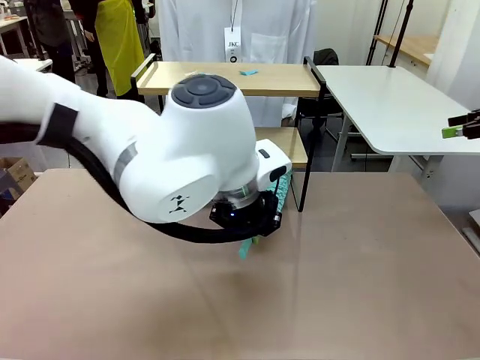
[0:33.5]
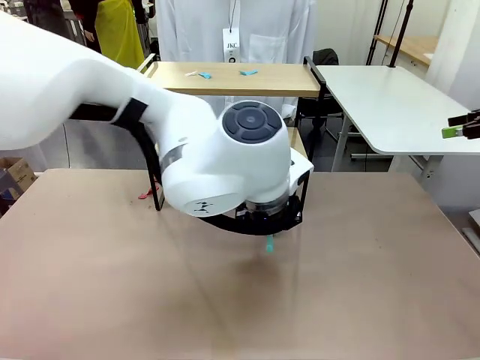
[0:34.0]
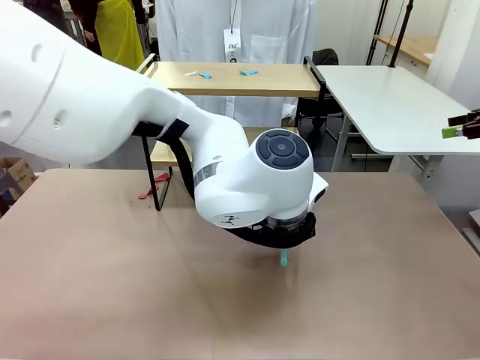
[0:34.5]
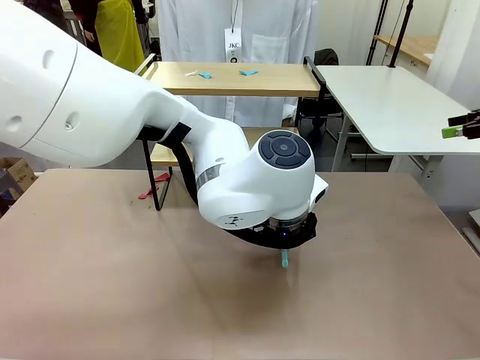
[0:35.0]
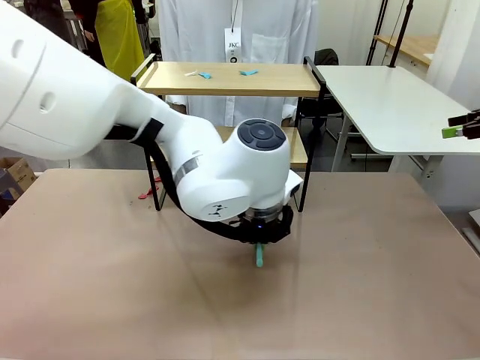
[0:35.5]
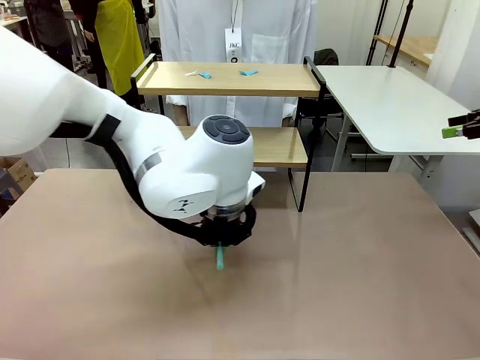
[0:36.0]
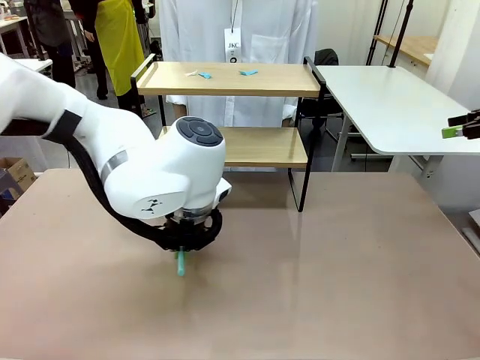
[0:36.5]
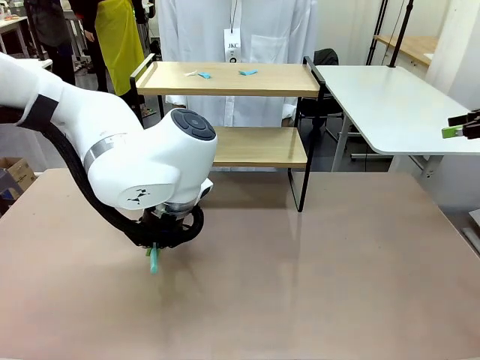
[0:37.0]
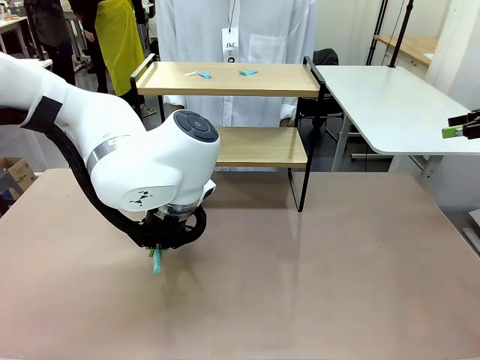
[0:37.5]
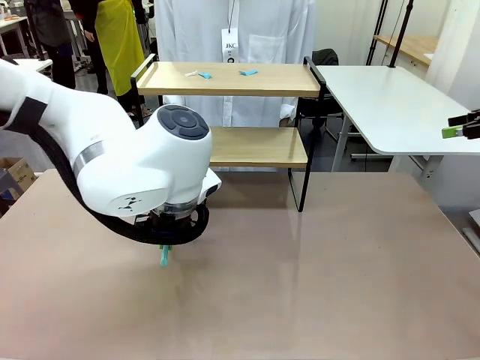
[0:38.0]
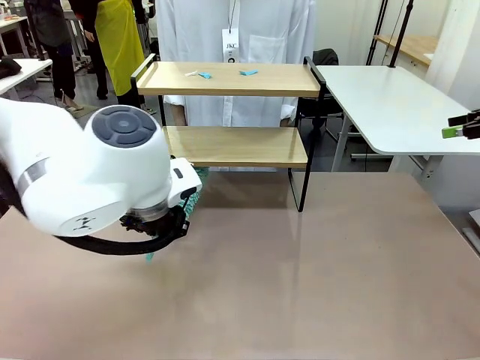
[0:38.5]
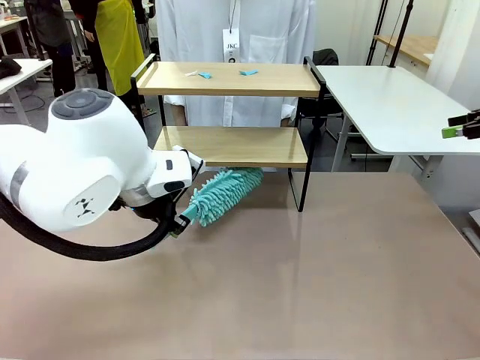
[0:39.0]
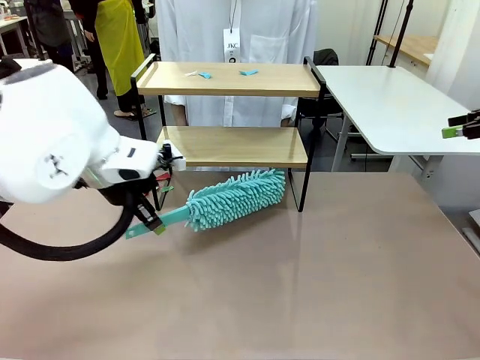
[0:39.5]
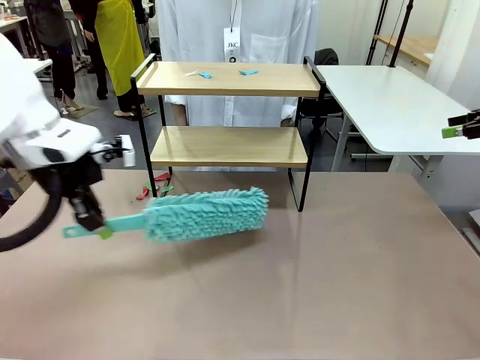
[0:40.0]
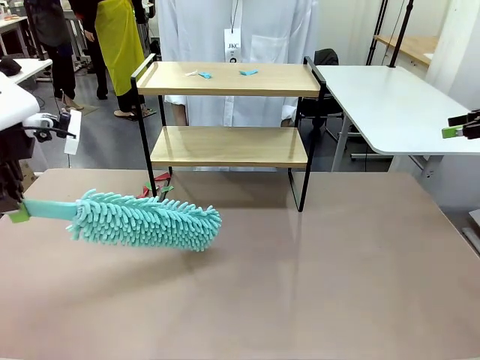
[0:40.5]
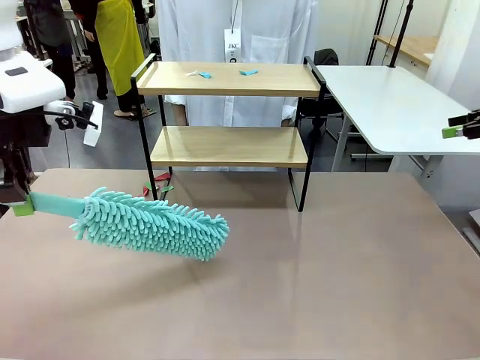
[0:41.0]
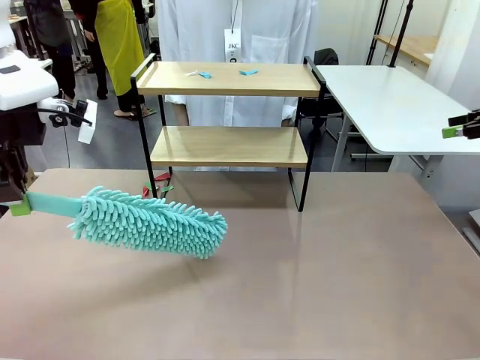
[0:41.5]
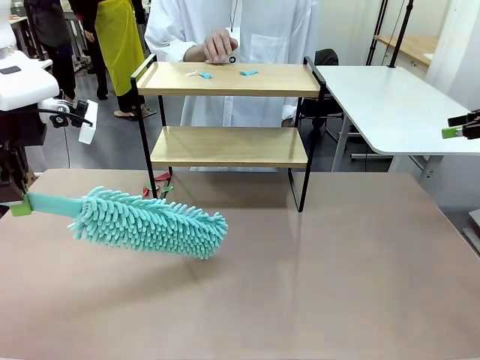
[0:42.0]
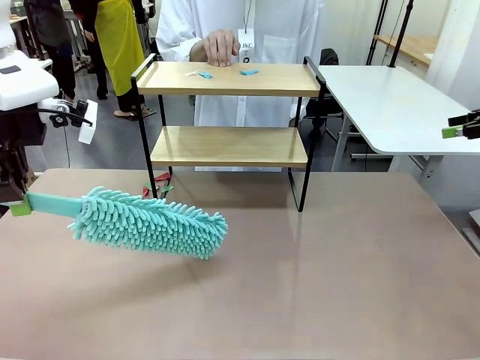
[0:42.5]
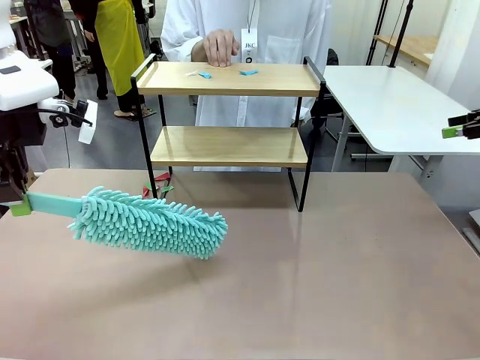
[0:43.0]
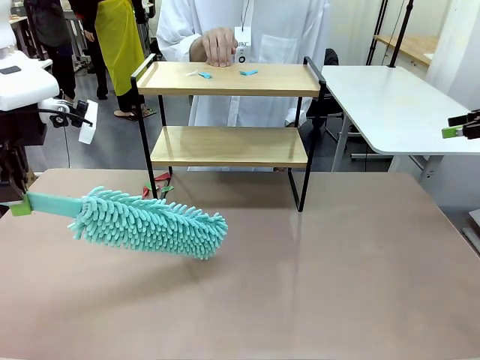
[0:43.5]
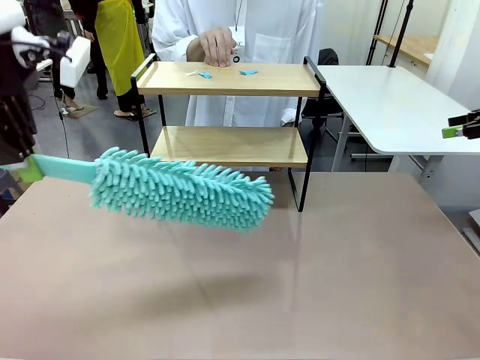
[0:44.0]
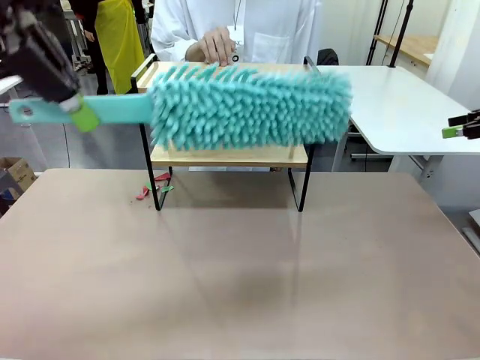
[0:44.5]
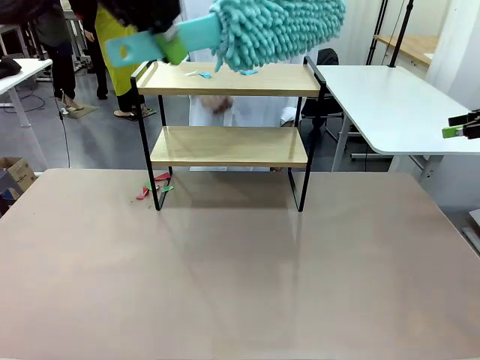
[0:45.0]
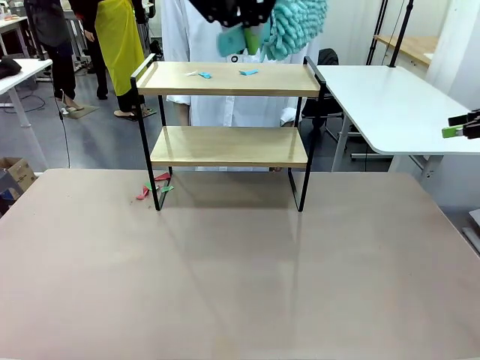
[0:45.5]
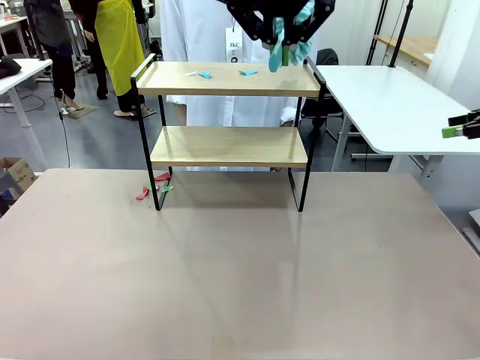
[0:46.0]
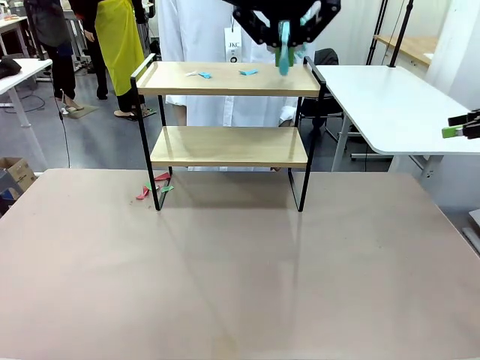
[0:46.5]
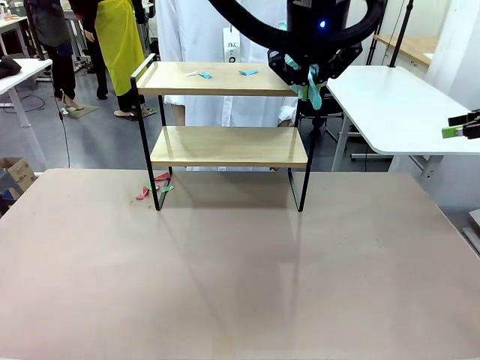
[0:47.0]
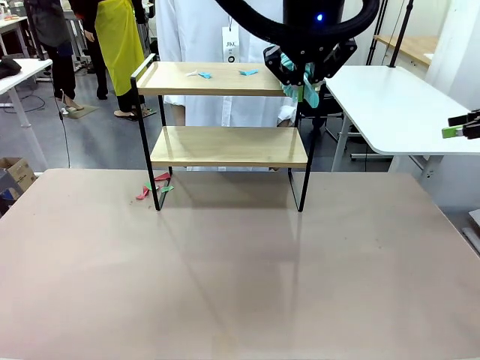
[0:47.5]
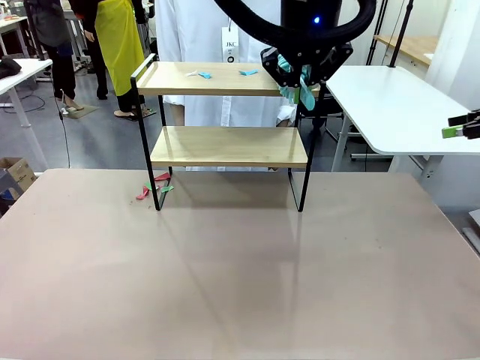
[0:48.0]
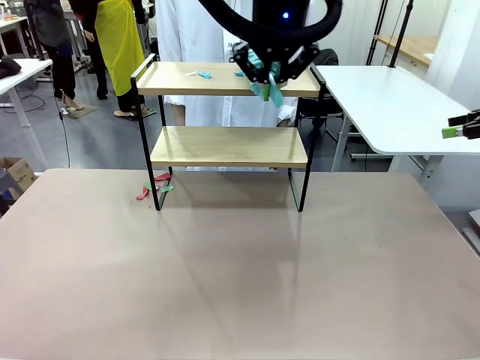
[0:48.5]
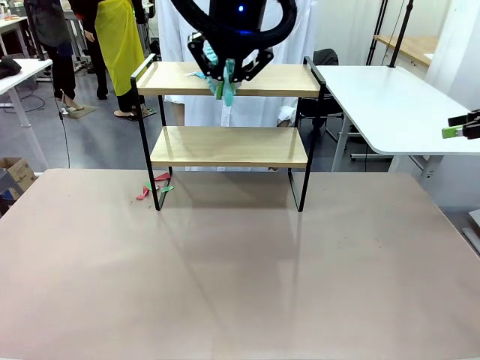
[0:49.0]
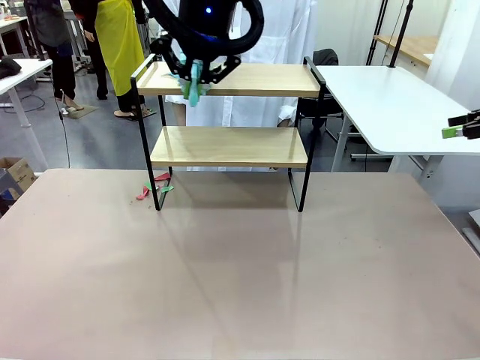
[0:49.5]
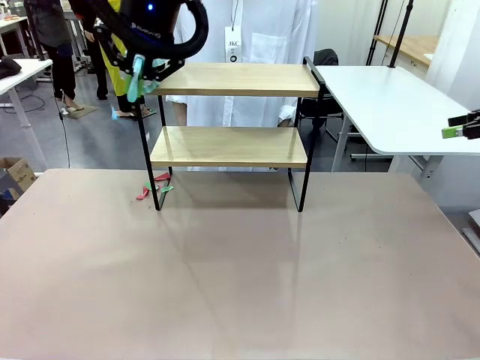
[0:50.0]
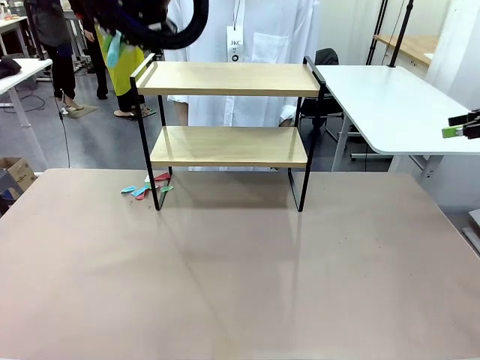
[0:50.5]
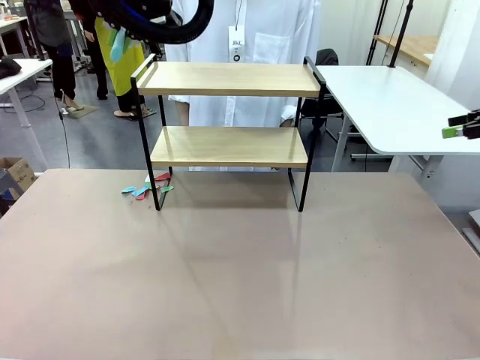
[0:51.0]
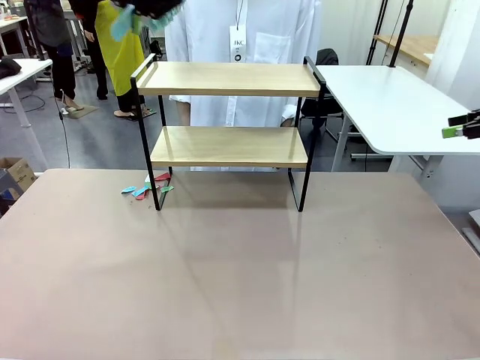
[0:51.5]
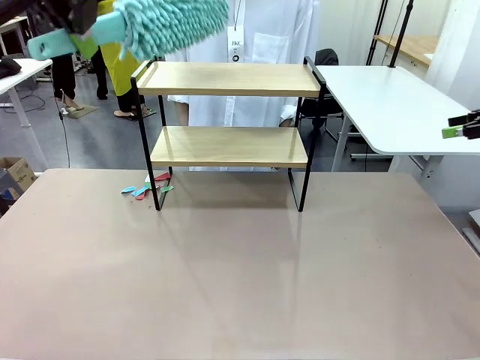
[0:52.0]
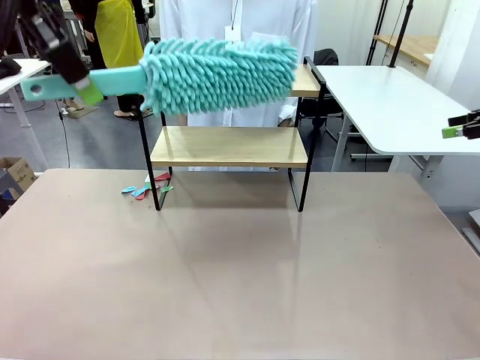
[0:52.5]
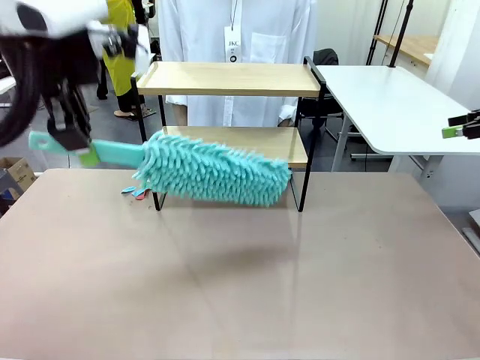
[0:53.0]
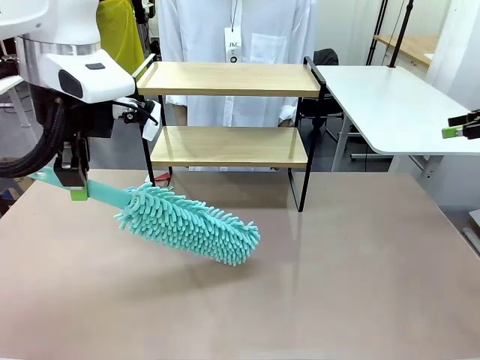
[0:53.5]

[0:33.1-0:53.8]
Task: Clean the shelf.
Robot: Clean the specific section of the Shelf indicated by the human with the Duster.
Person: Point a remaining section of the Shelf.

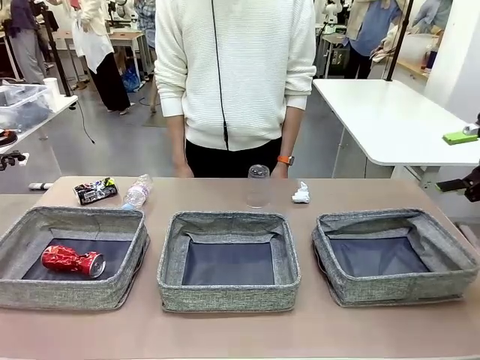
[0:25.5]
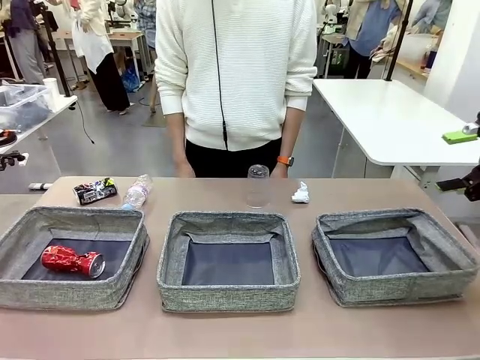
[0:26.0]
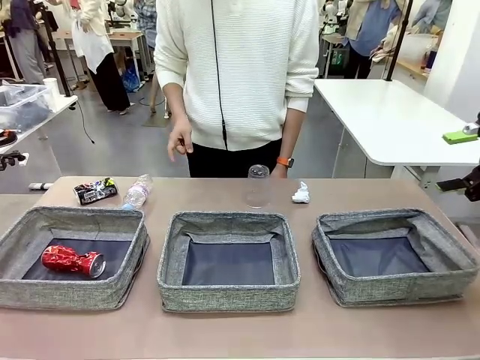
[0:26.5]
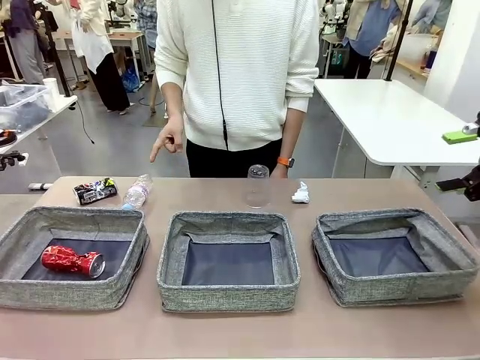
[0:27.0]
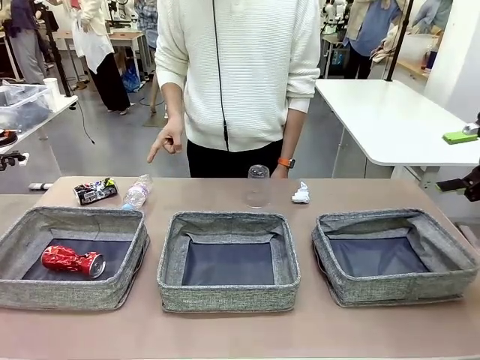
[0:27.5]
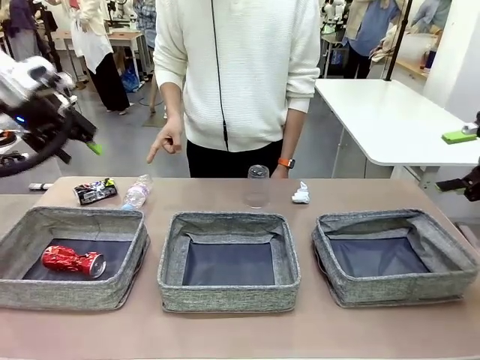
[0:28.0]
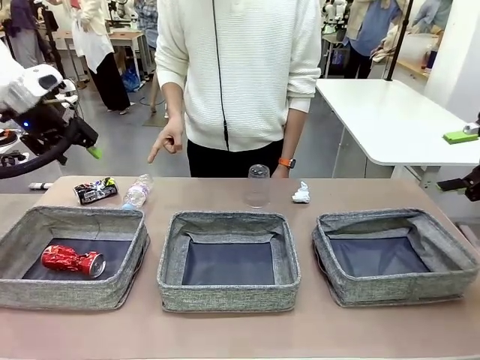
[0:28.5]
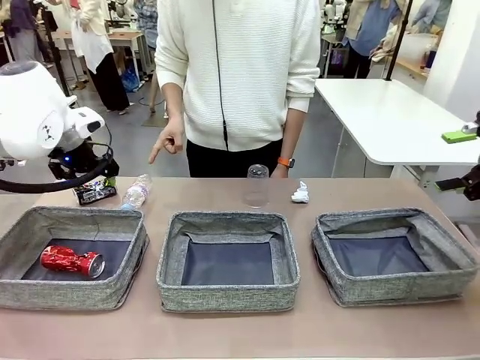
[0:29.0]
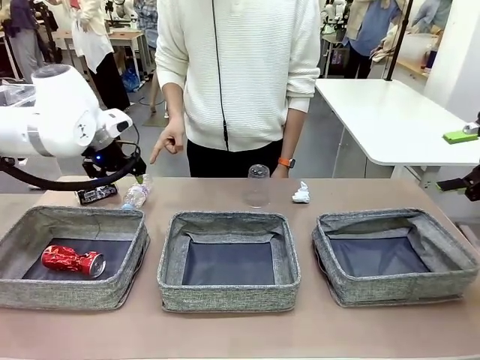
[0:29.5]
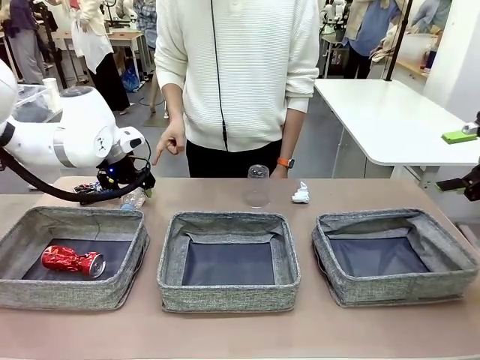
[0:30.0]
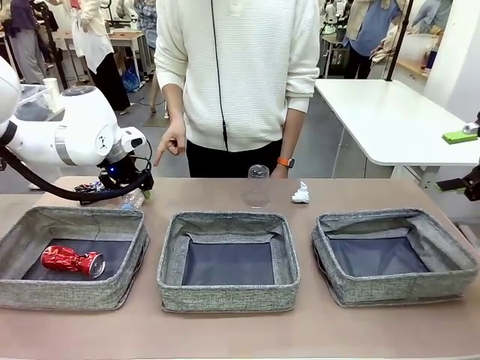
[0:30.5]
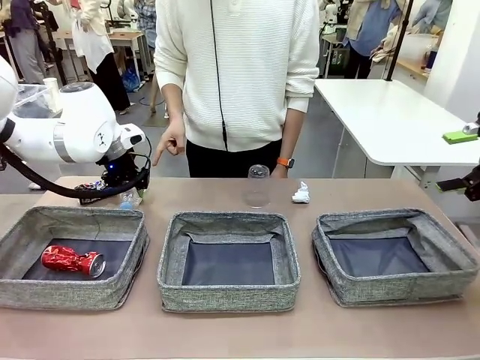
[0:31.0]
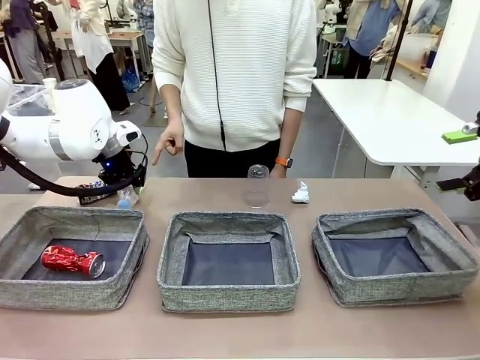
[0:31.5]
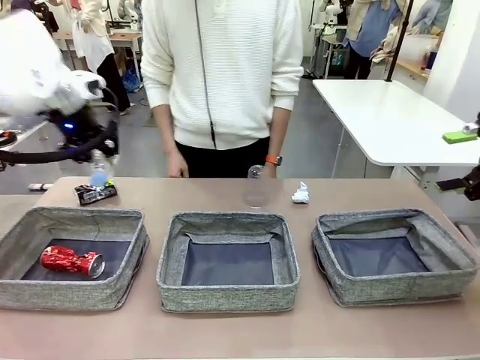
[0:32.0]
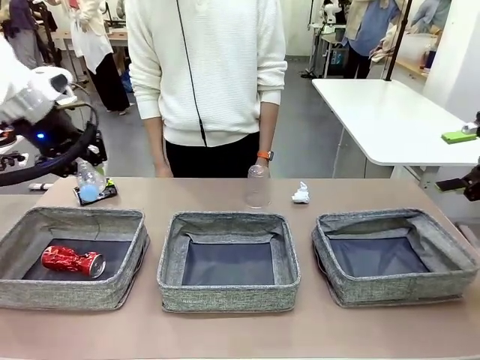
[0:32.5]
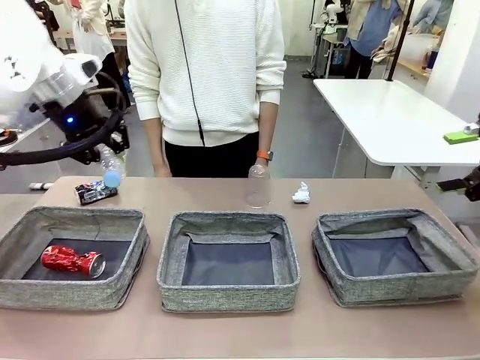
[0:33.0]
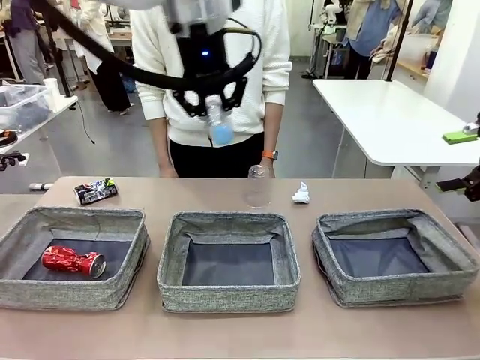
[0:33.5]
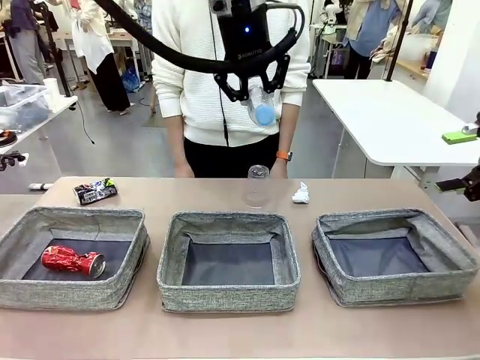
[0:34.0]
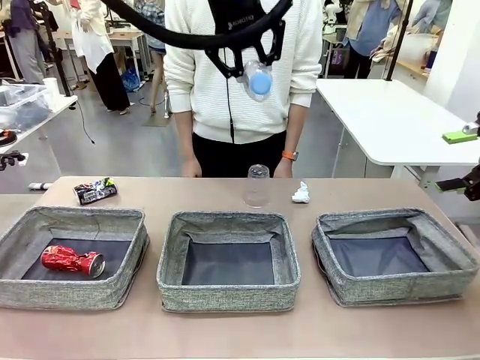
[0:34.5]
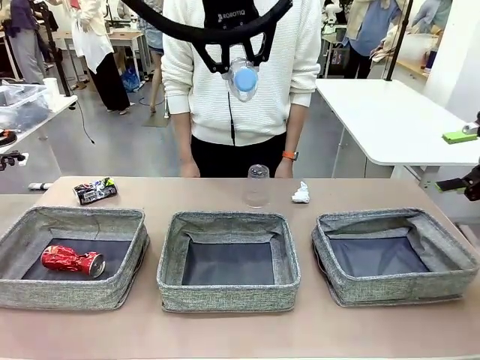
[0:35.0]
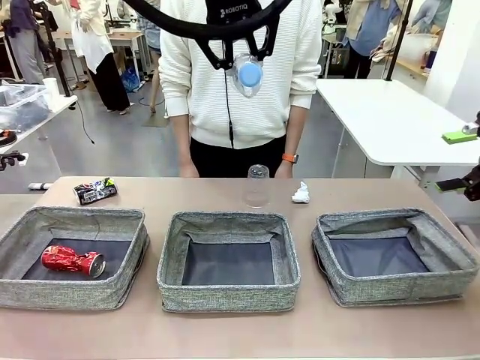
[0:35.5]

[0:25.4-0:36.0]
Task: Sort the waste into the appropriate baskets.
Robot: Pick up the waste item pointed out by the person.
Person: Points to one piece of trash on the table.
